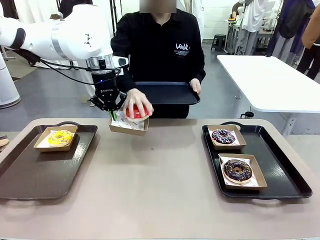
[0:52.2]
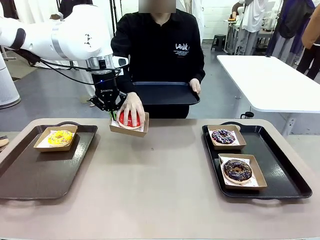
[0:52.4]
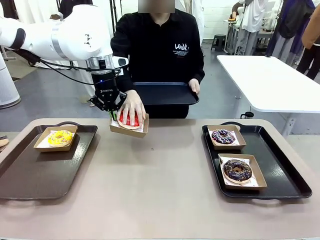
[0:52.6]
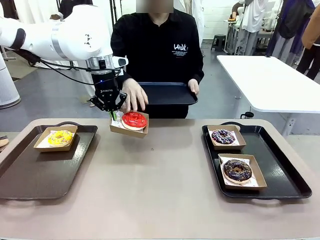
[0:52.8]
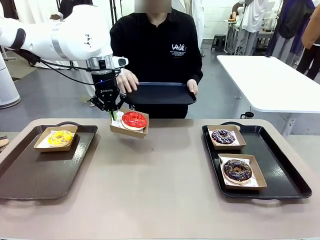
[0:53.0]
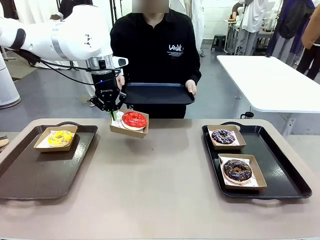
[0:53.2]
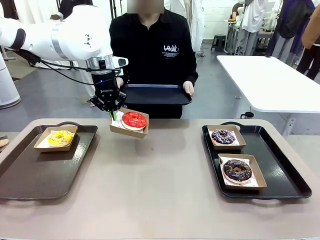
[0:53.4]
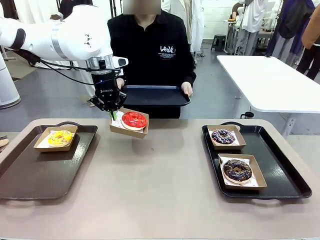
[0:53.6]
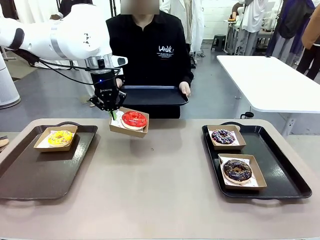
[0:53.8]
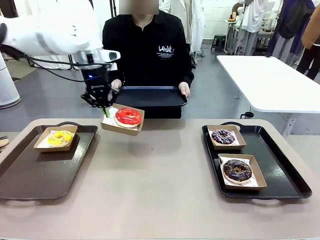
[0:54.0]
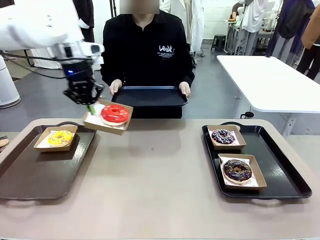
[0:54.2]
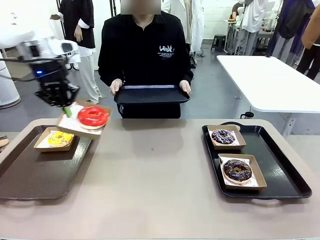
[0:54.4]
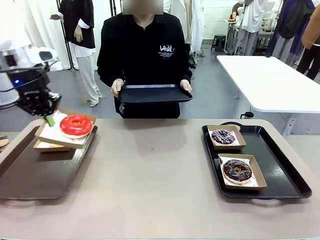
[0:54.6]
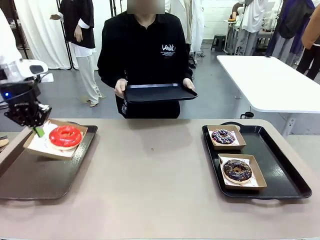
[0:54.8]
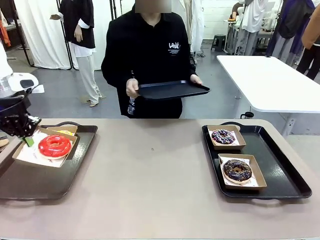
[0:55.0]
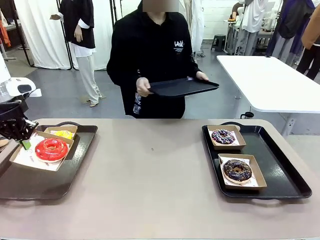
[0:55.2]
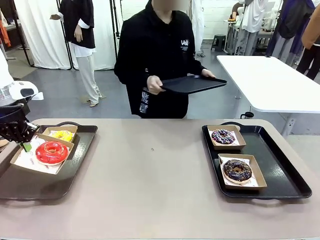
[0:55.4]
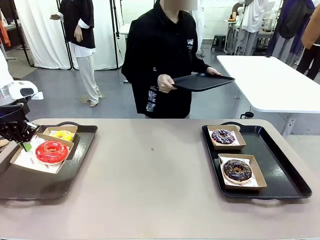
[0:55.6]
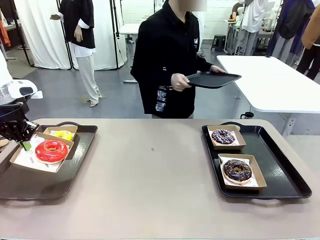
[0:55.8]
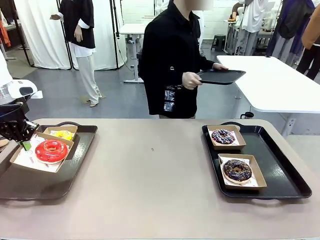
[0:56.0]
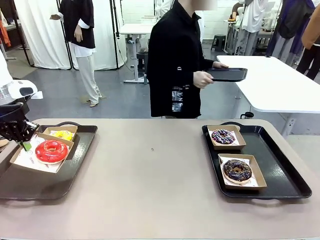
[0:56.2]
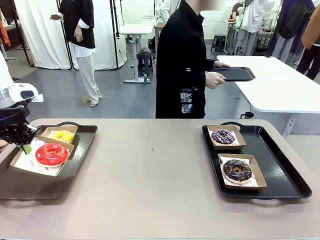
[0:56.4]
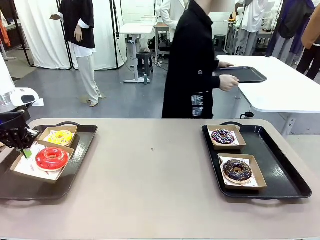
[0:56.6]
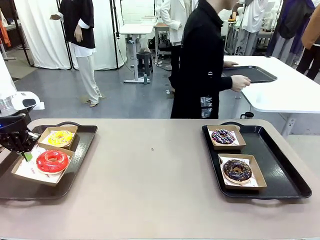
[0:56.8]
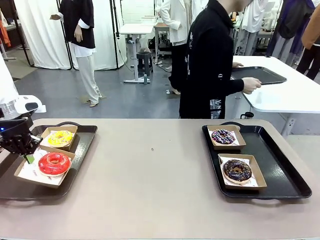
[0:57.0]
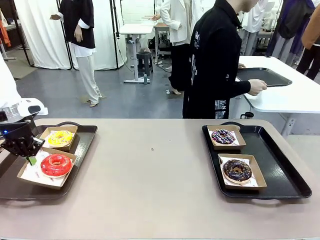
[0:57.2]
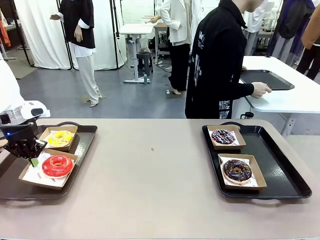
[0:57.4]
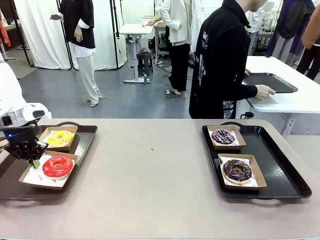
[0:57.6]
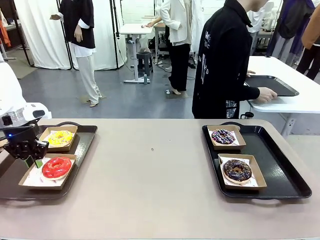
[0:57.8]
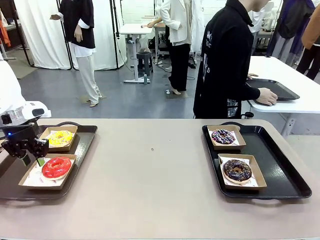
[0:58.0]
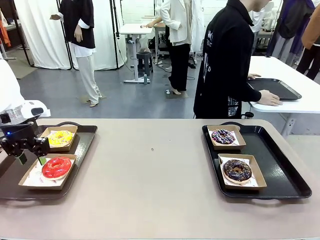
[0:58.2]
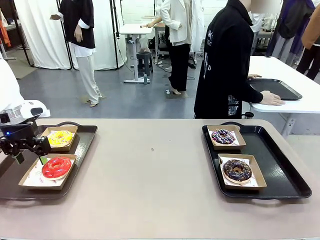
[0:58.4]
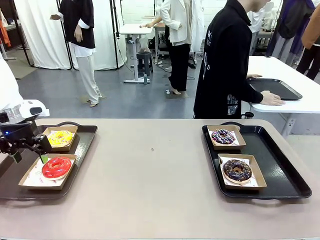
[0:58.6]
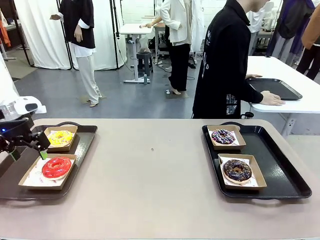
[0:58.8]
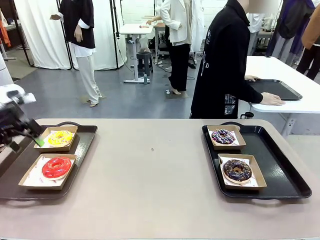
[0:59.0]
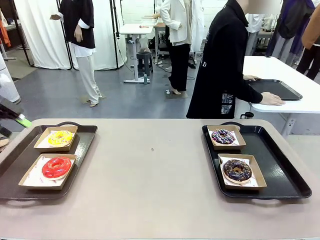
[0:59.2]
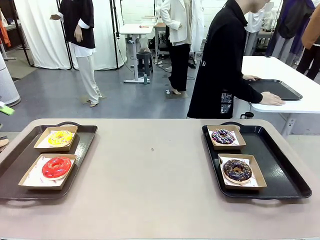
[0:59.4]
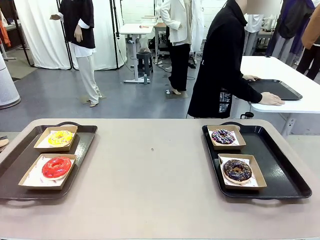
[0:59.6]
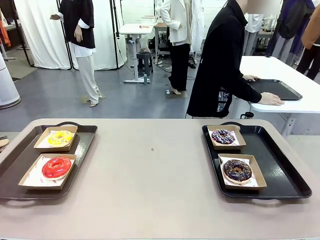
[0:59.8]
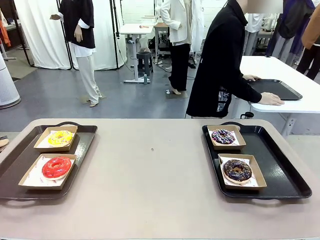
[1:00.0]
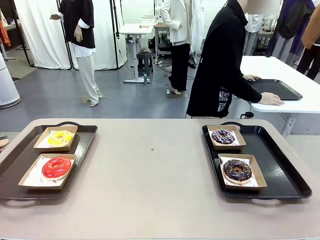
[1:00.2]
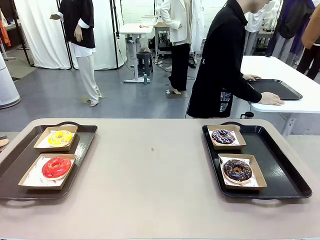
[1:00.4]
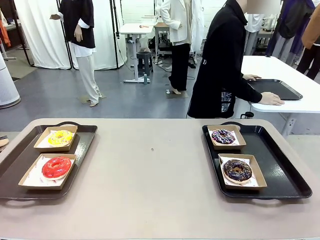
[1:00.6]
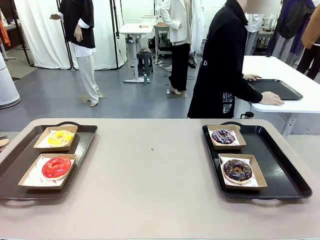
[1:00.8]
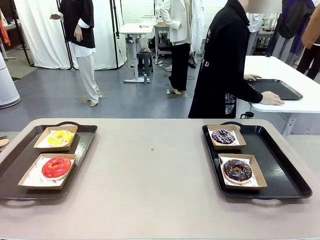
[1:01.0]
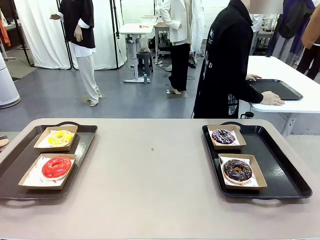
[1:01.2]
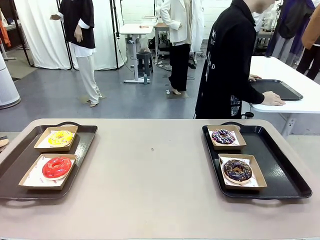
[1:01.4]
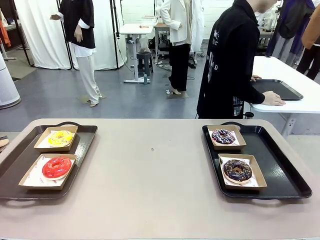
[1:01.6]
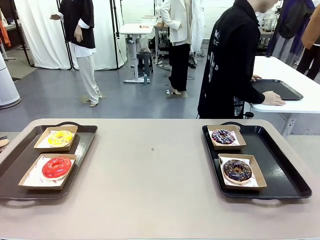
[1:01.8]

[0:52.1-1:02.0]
Task: Individually package the donuts and arrange them on the tray.
Robot: Place the picked Paper togo box on the Handle tray.
Person: Place the tray down in the middle of the human table.

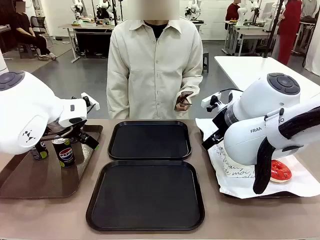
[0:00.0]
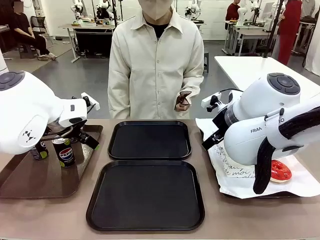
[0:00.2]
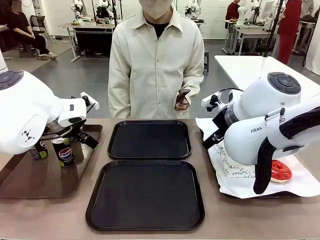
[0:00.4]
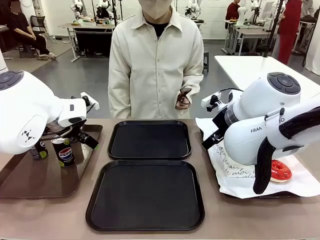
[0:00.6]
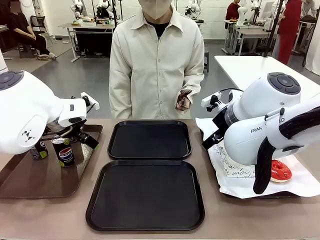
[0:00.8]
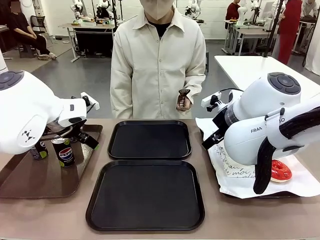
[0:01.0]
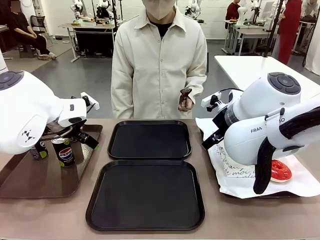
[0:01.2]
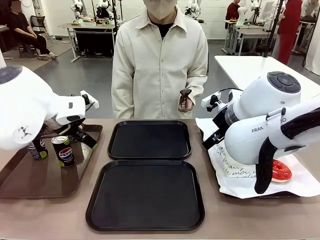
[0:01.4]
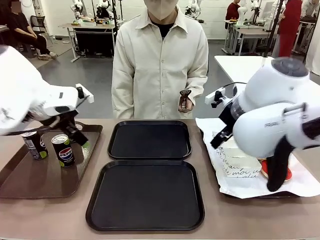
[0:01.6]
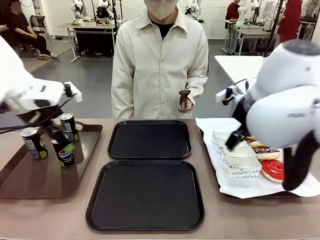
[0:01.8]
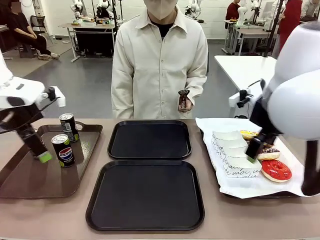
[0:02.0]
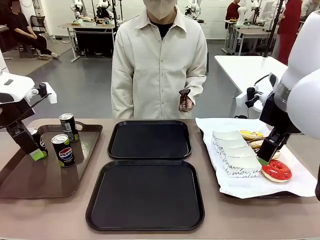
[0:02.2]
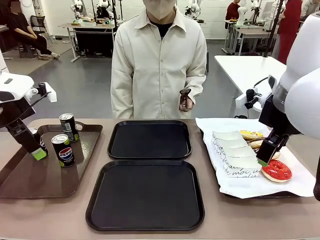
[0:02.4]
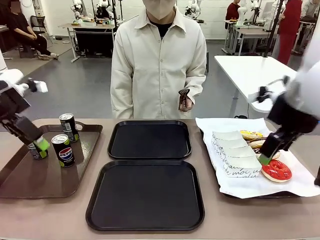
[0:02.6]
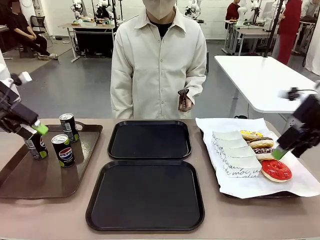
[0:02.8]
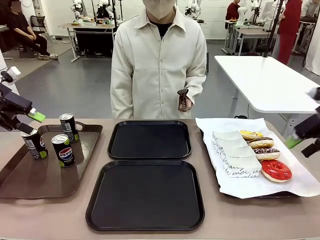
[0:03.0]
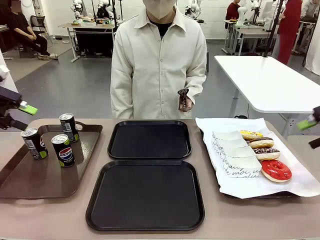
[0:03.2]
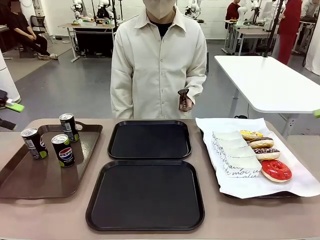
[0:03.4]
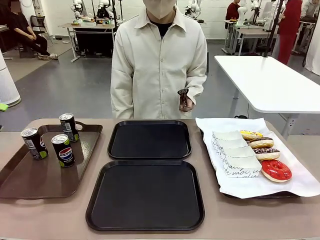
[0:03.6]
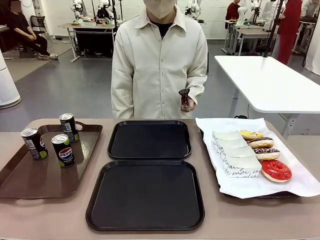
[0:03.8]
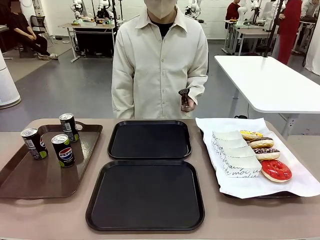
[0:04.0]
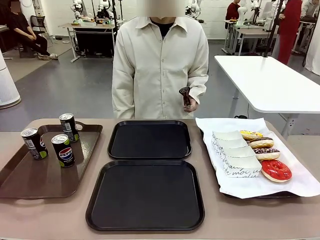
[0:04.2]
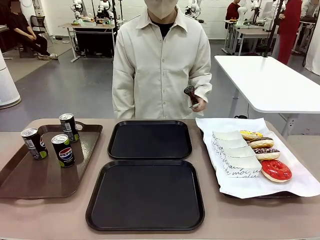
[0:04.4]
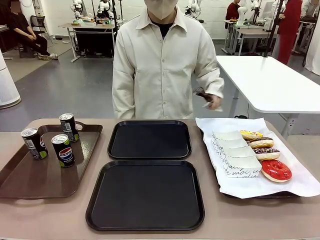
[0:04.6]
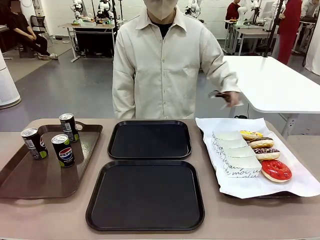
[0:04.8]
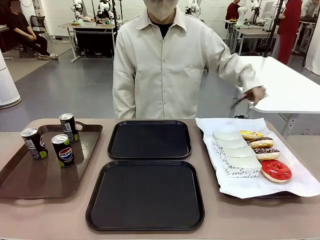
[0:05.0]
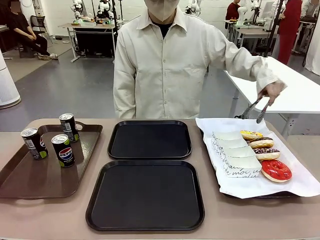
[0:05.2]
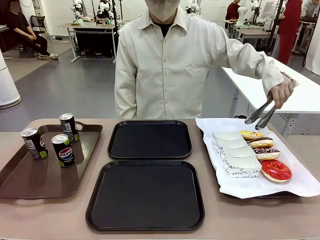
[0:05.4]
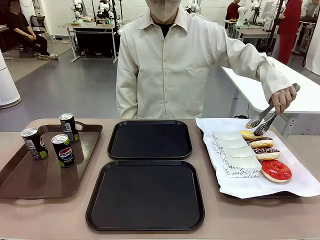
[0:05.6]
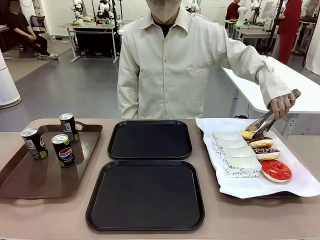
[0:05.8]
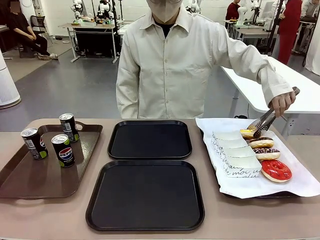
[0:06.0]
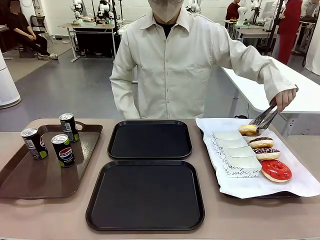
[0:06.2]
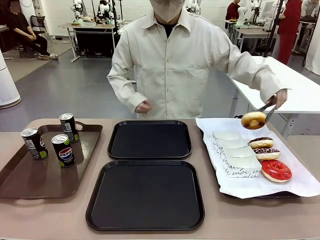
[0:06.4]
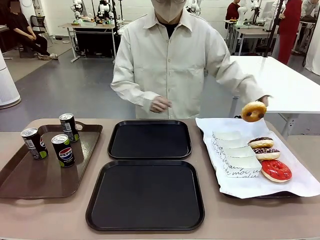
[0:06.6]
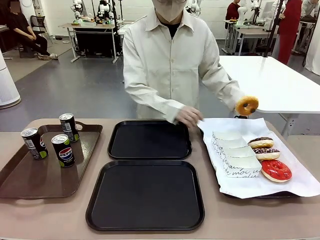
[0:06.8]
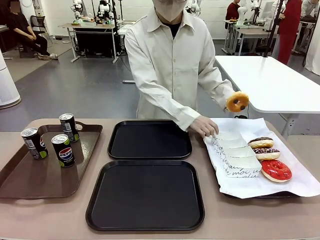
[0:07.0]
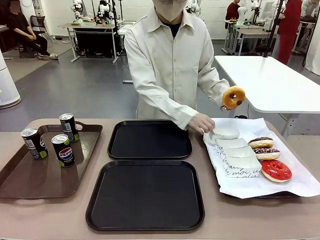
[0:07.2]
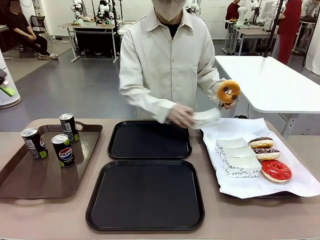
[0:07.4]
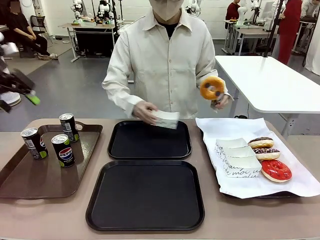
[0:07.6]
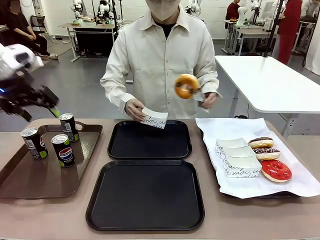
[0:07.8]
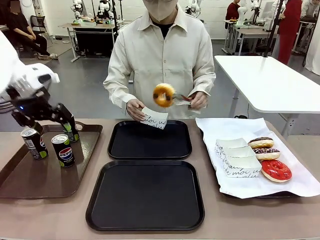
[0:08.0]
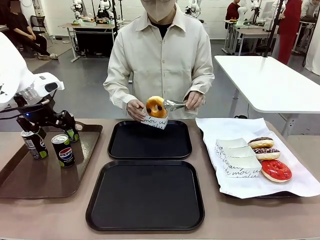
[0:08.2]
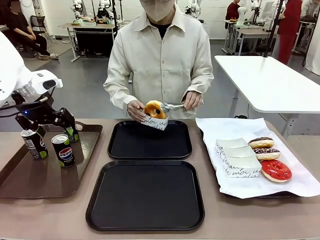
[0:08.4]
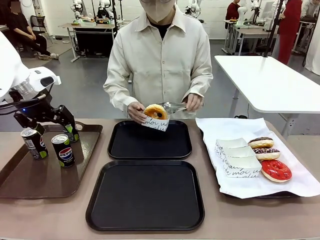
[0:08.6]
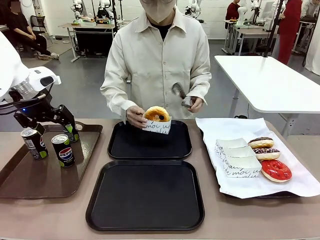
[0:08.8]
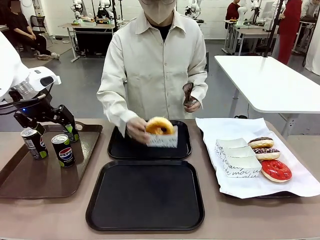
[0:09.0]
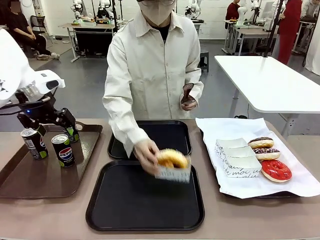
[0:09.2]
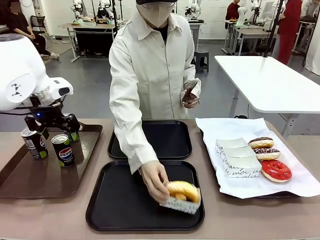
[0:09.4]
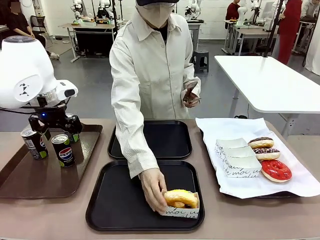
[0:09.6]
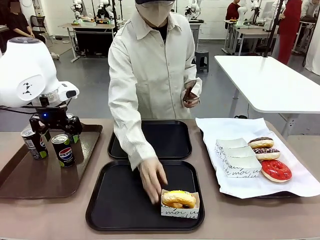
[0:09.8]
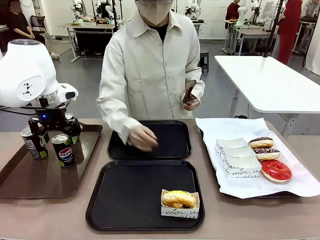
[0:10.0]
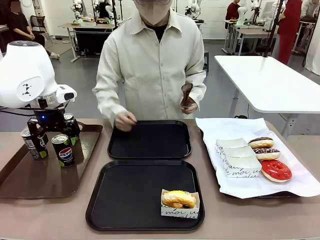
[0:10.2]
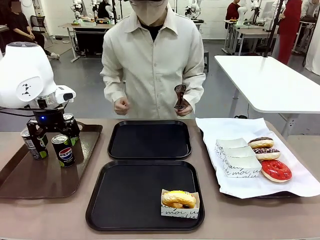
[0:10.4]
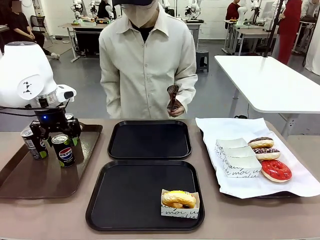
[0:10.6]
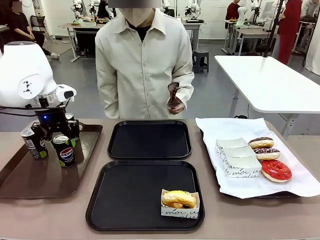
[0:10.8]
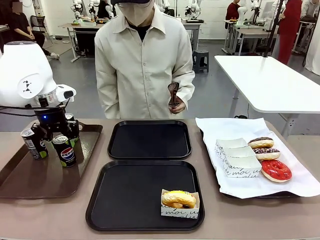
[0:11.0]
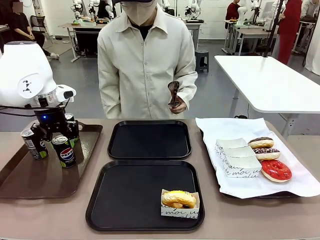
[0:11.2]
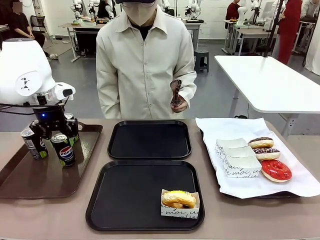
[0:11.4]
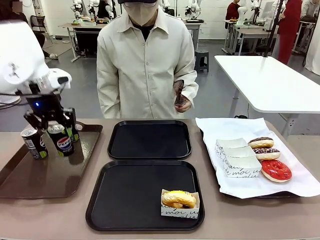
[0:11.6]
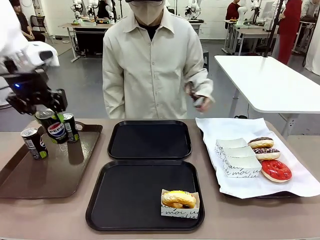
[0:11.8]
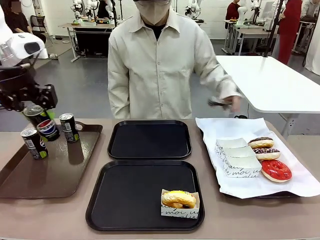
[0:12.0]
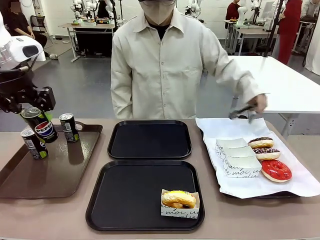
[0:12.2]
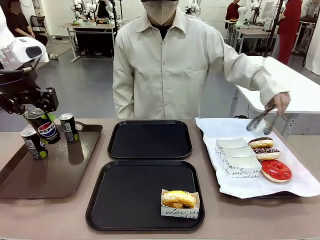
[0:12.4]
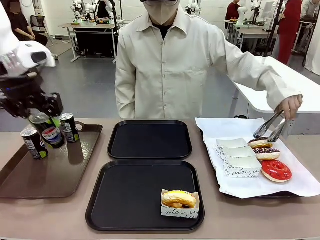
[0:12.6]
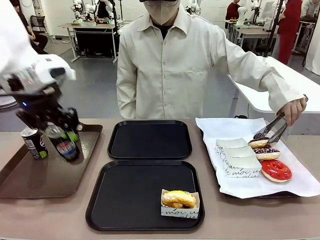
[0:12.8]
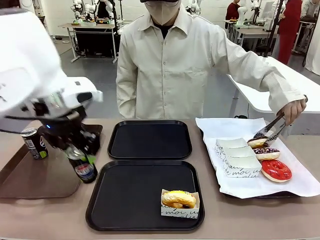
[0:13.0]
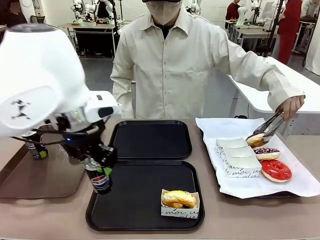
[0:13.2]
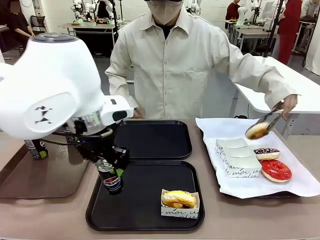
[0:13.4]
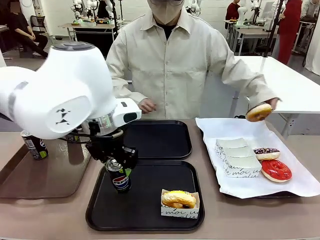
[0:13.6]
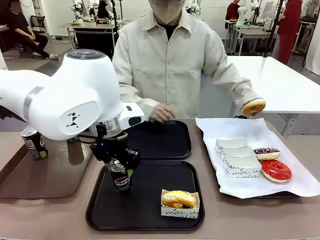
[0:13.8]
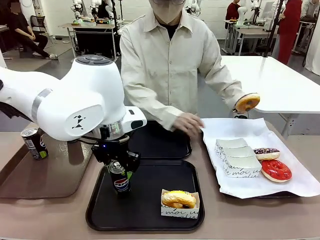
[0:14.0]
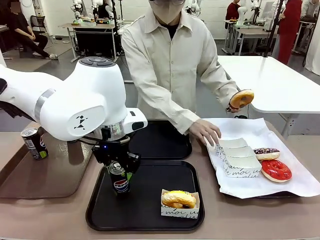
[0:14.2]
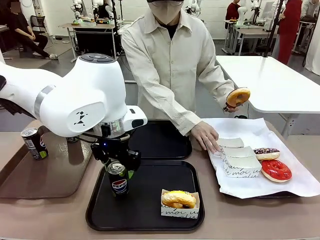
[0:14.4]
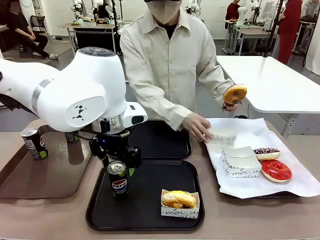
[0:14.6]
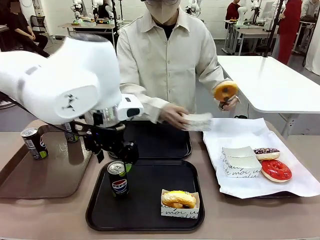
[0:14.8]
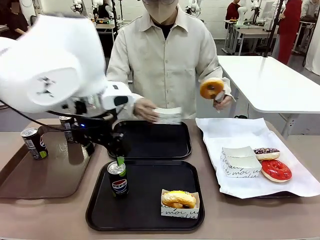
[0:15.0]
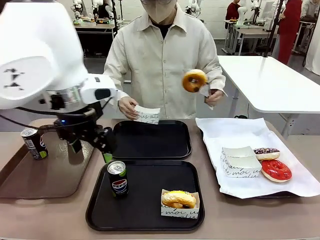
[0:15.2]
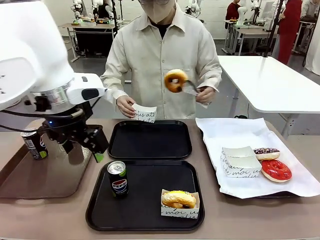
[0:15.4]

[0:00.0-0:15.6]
Task: Set up donuts and drinks on trays.
Robot: Pick up one Pepsi coke and place it on the Flat Tray.
